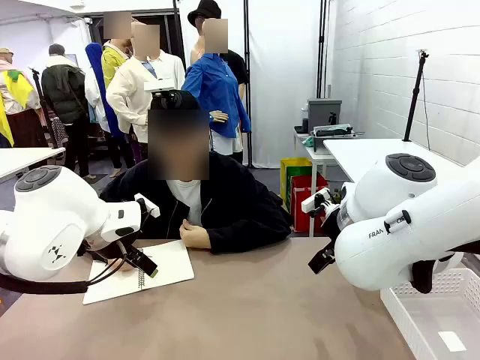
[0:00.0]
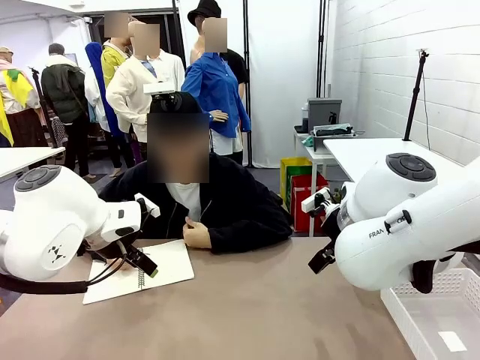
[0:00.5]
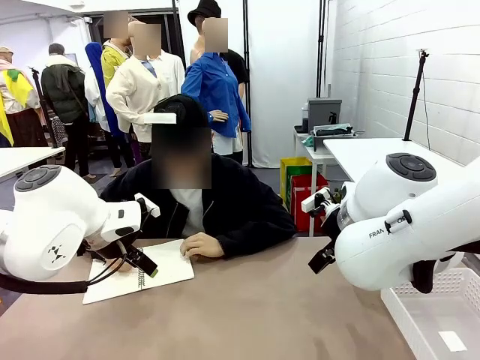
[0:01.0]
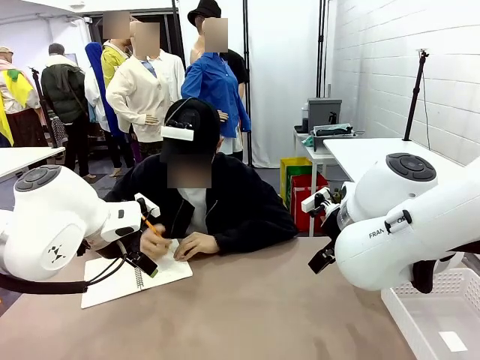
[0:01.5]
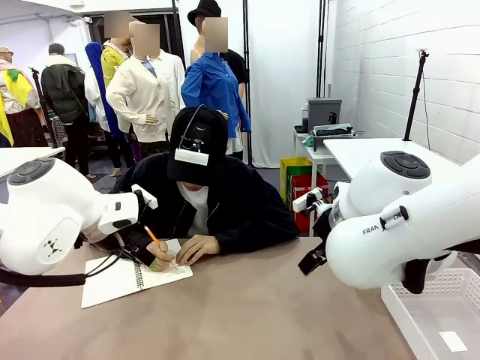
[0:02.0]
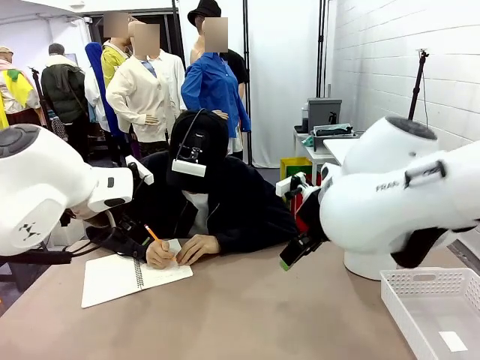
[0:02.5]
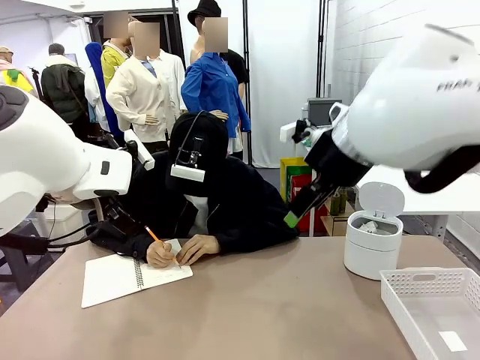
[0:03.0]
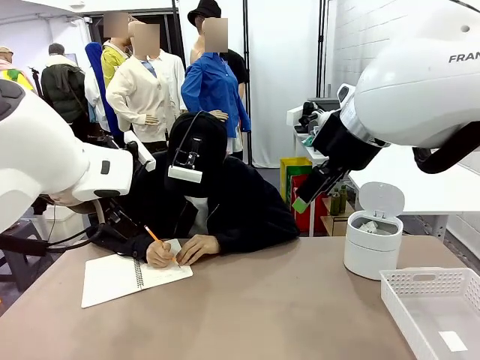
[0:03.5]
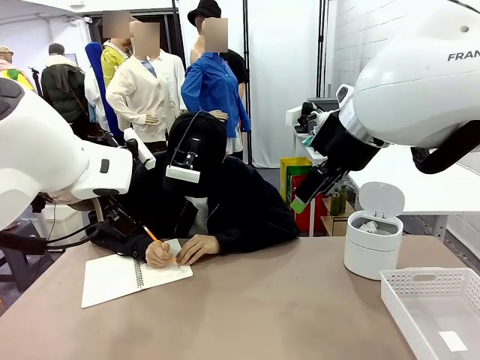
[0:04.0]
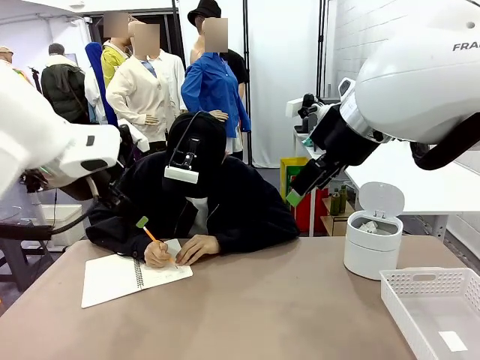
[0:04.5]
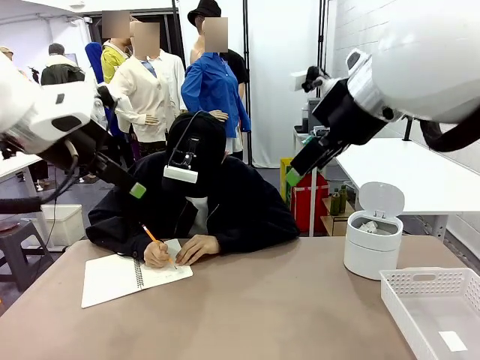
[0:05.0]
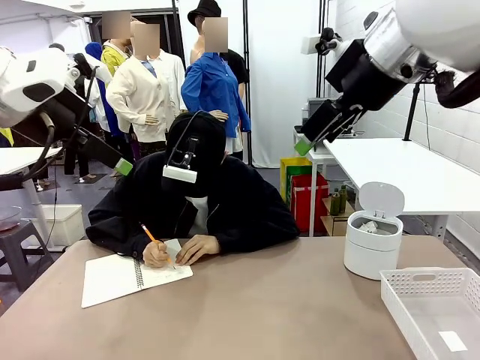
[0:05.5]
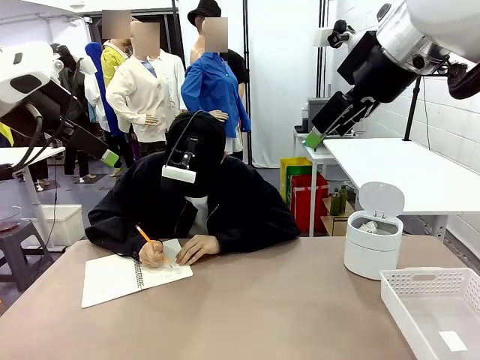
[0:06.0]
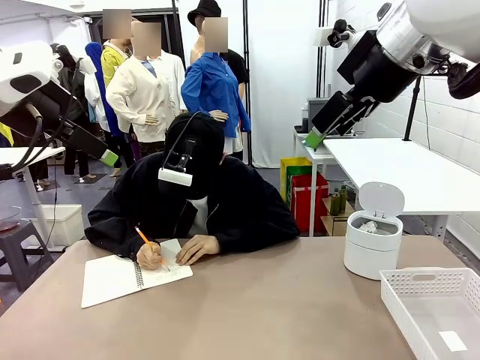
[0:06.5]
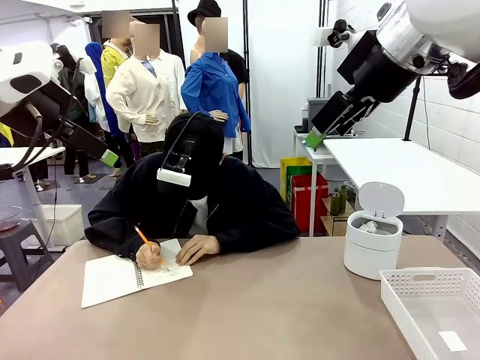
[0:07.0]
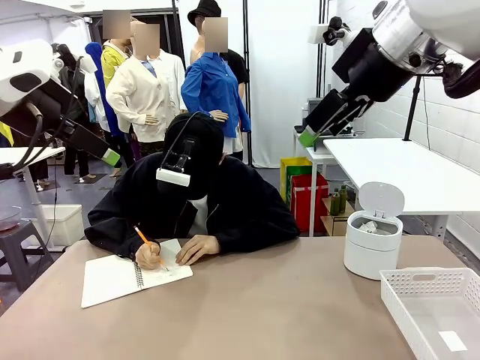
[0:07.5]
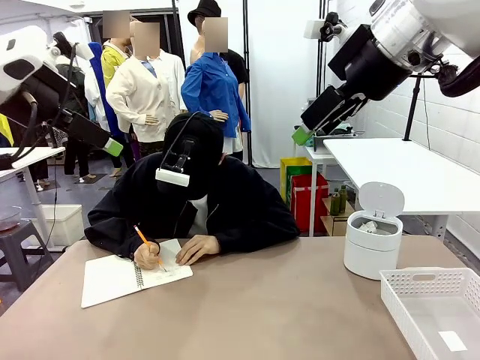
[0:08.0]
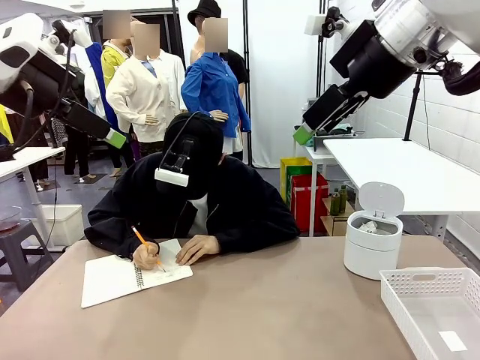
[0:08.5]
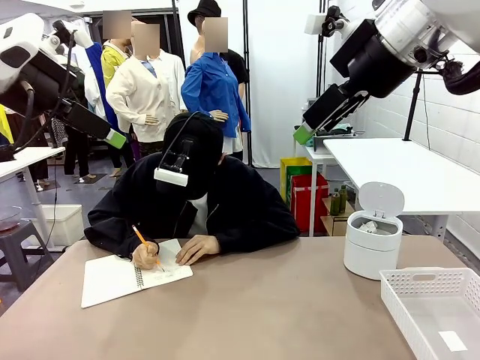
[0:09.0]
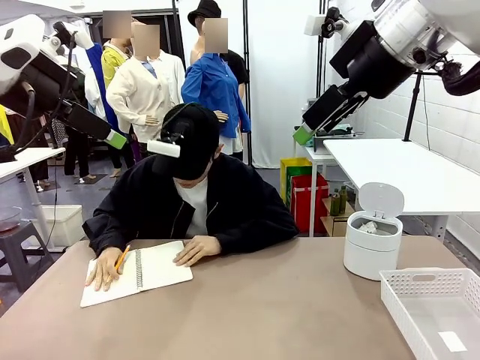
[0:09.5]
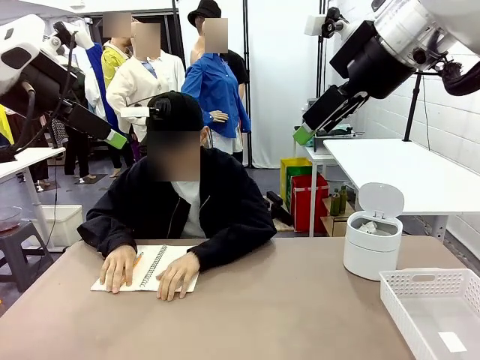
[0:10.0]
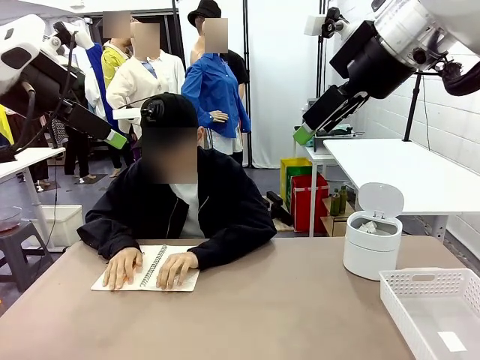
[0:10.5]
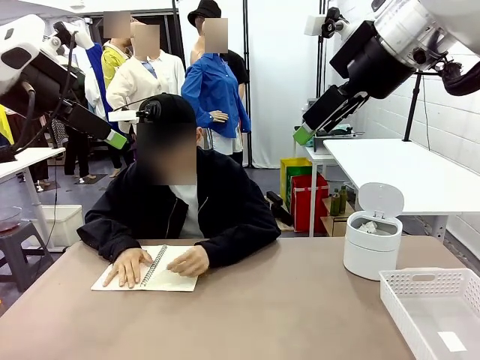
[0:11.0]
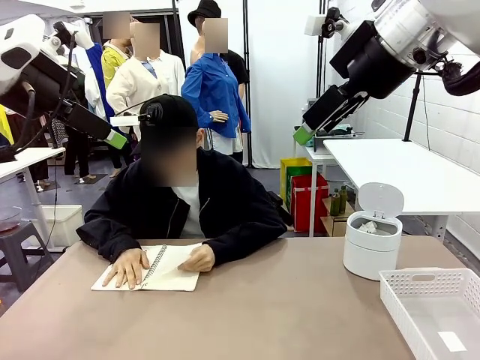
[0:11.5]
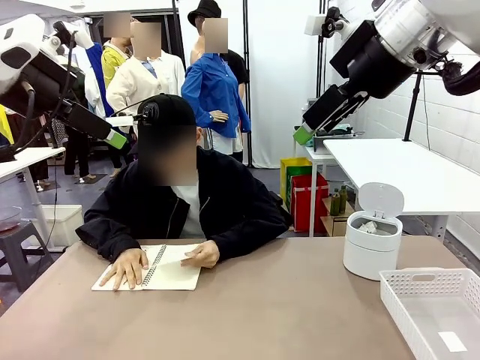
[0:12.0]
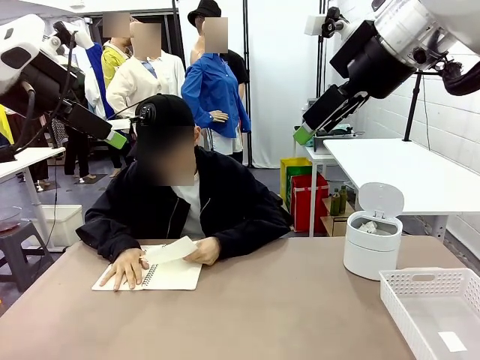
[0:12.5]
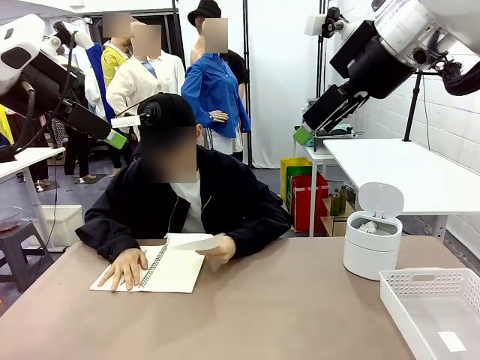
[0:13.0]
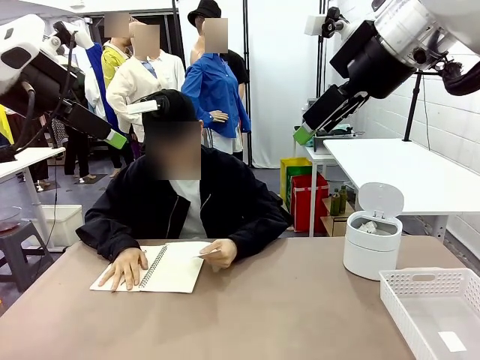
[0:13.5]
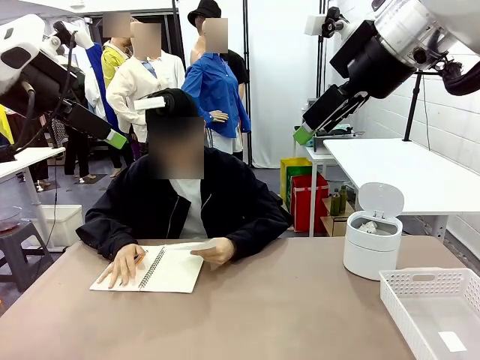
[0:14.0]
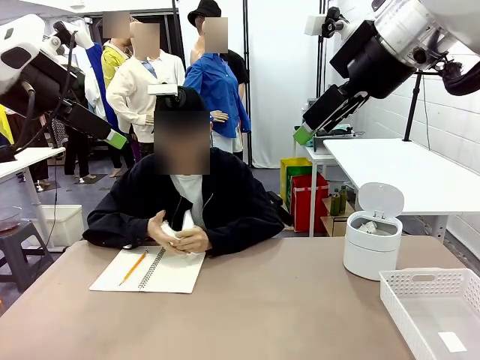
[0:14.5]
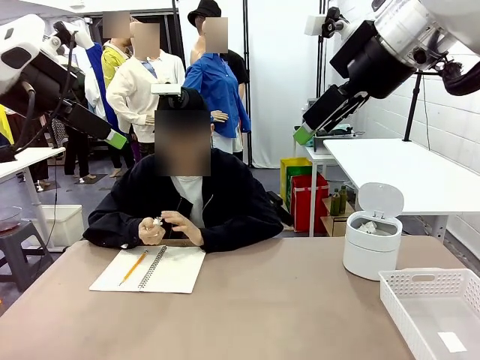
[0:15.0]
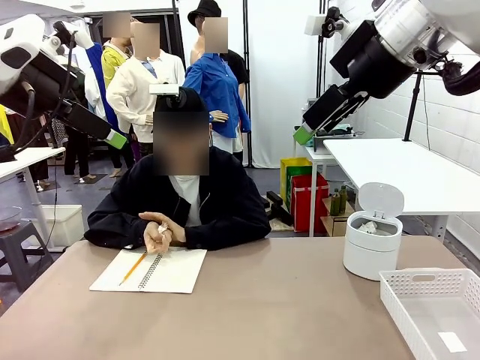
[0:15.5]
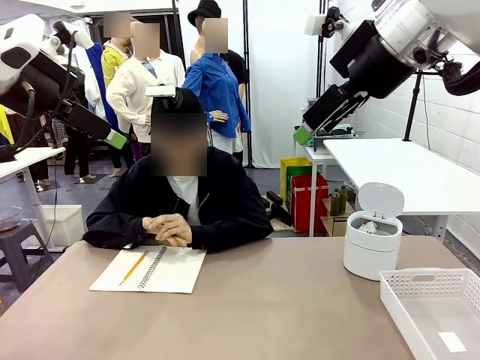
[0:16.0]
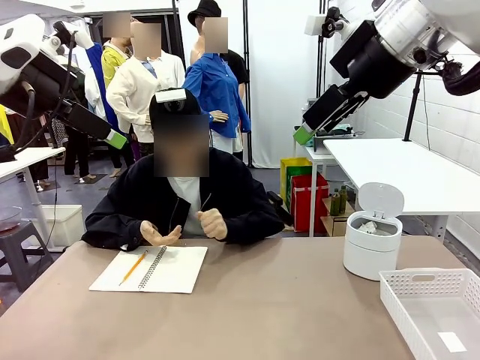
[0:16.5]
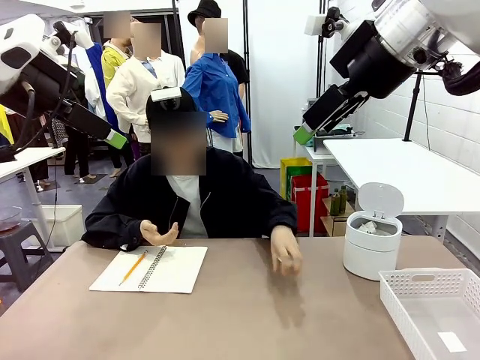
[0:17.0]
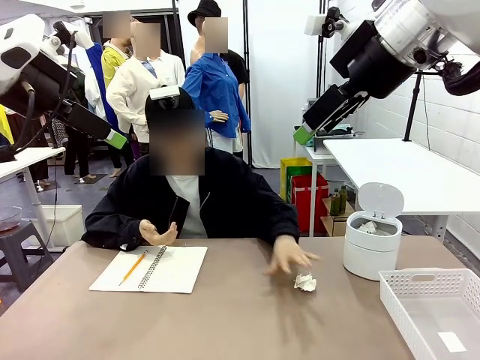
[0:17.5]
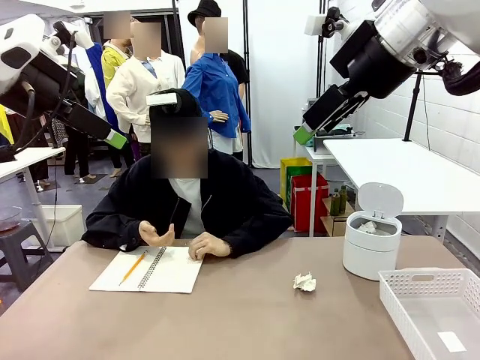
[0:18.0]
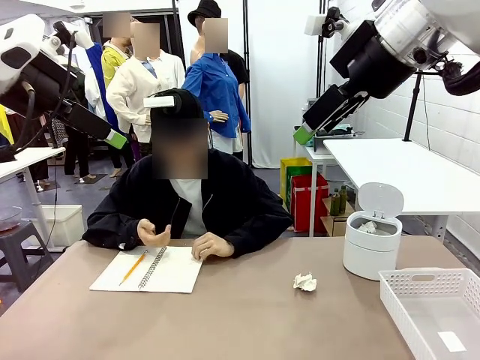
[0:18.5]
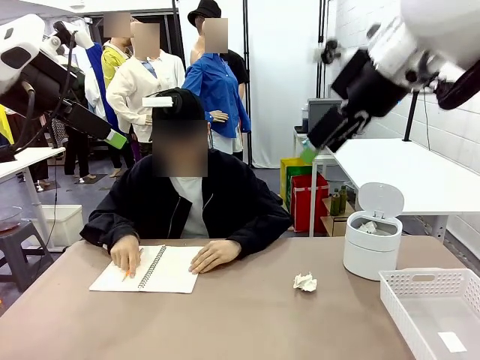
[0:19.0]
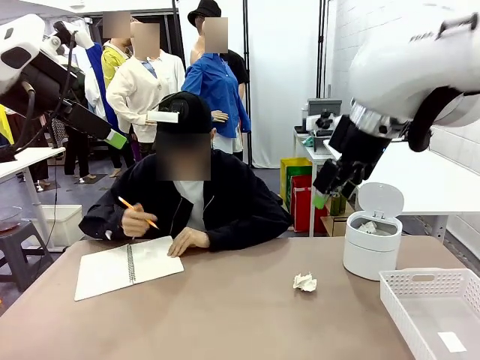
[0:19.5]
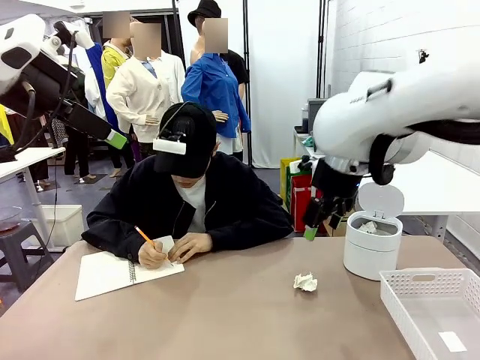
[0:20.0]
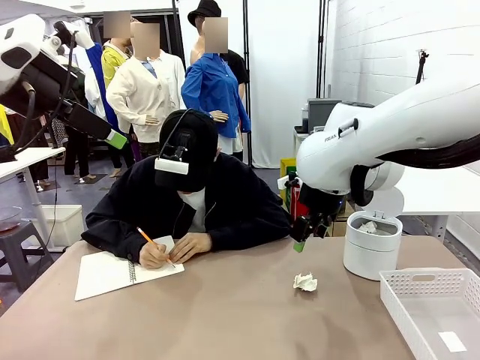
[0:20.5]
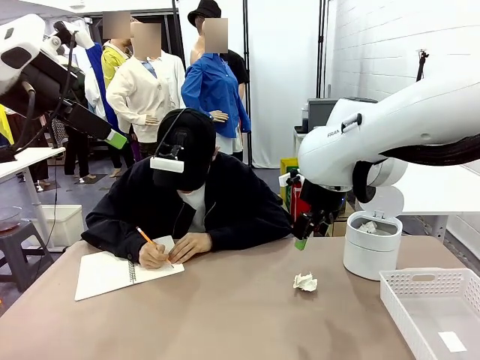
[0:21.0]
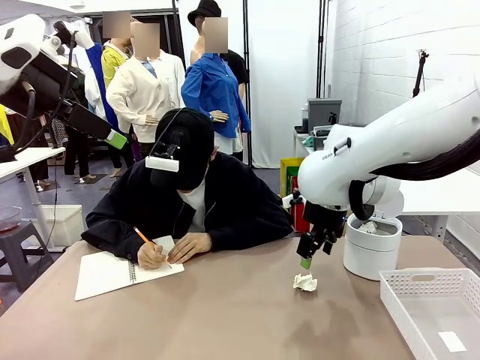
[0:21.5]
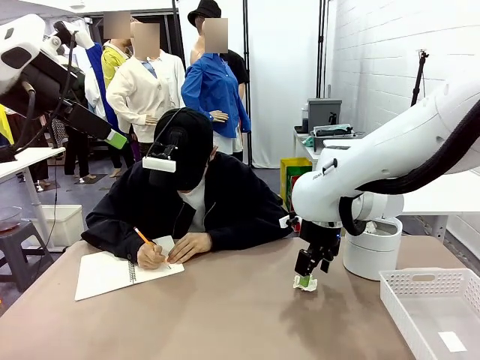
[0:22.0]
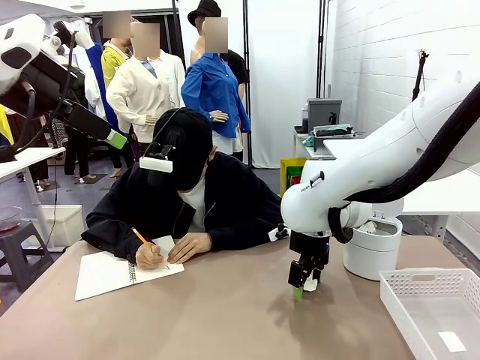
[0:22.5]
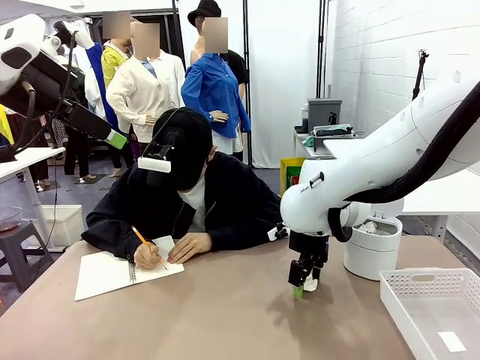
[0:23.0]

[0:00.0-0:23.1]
Task: Sort the paper based on its condition.
Robot: If a person hands you a paper, place it in the Organizing basket , and if it's crumpled, put it in the Trash can.
Person: Tear out a page from the spiral notebook. Hand the torn page to the robot or crumple it and throw it to the center of the table.
